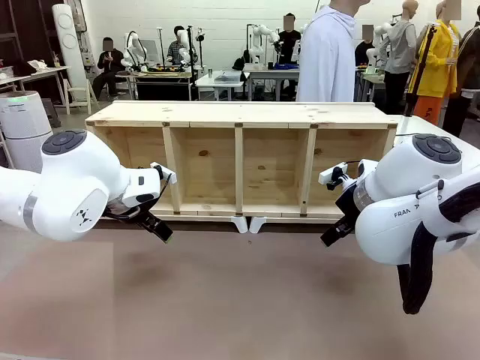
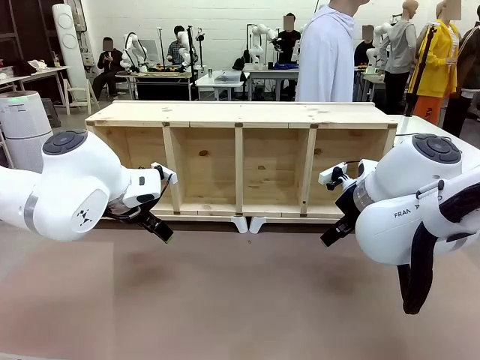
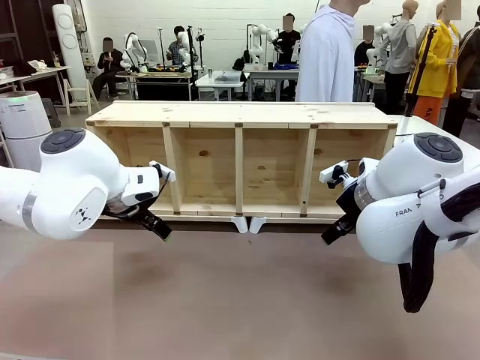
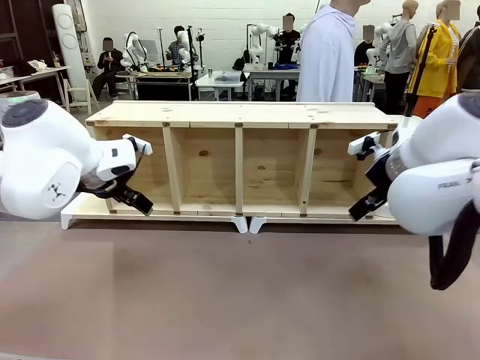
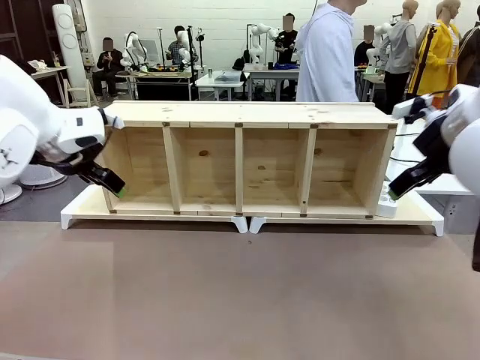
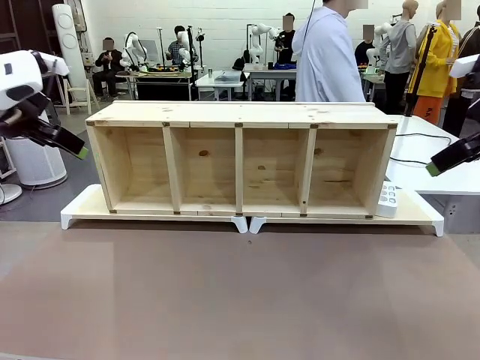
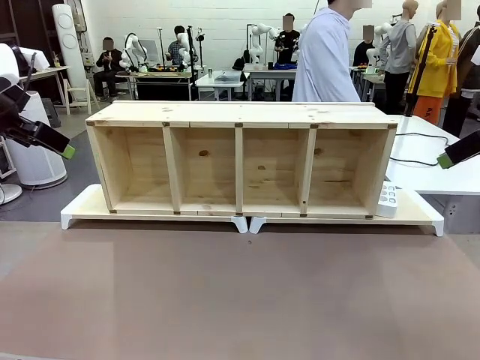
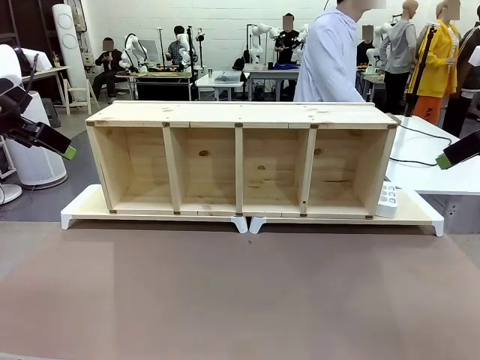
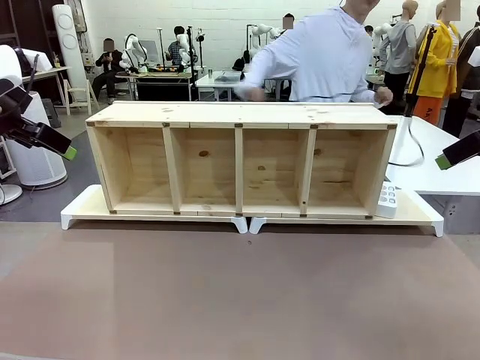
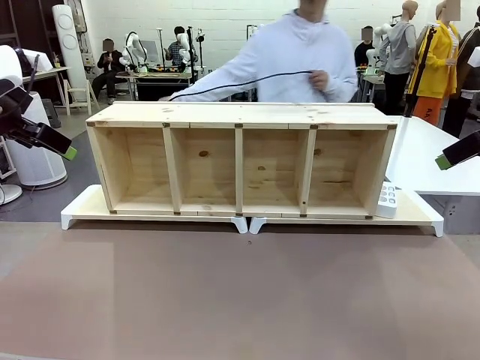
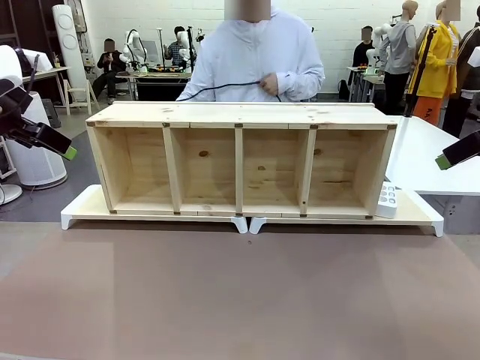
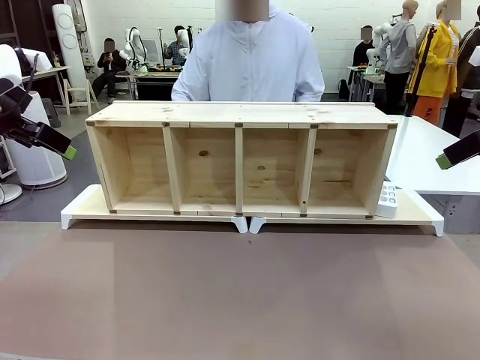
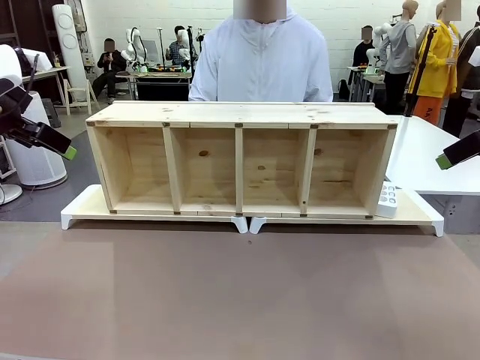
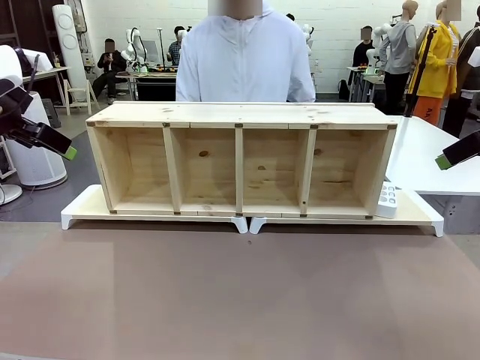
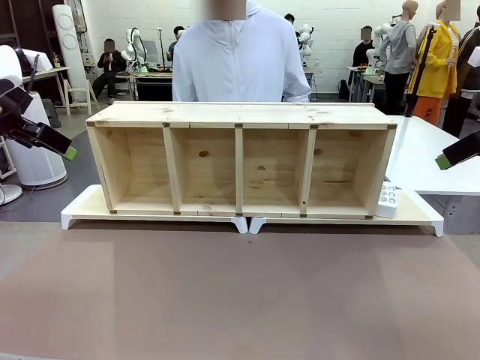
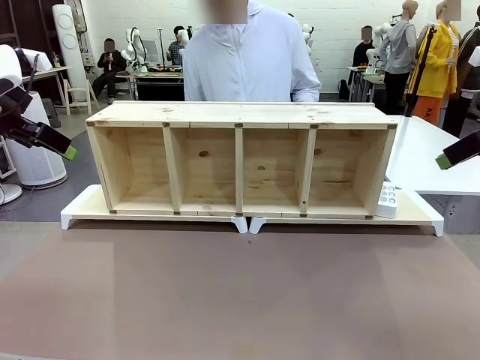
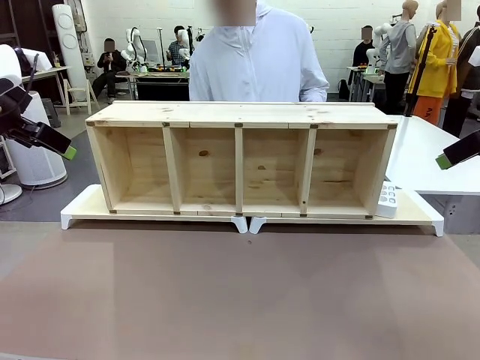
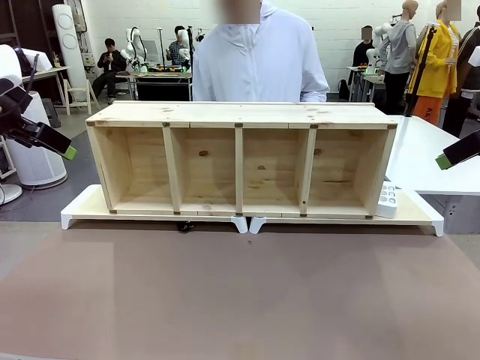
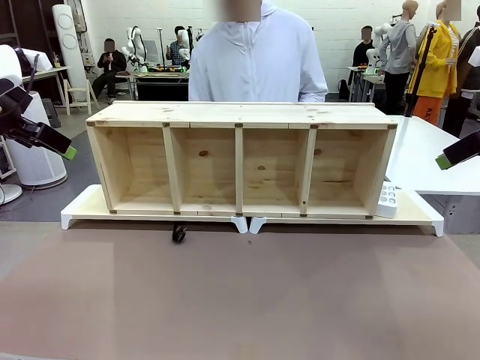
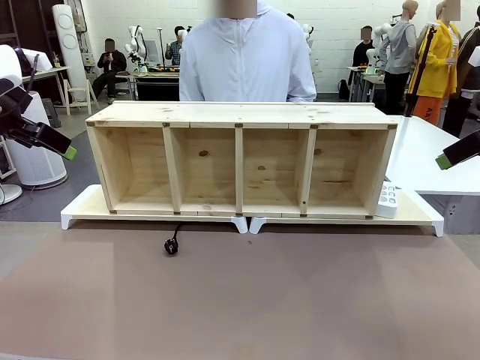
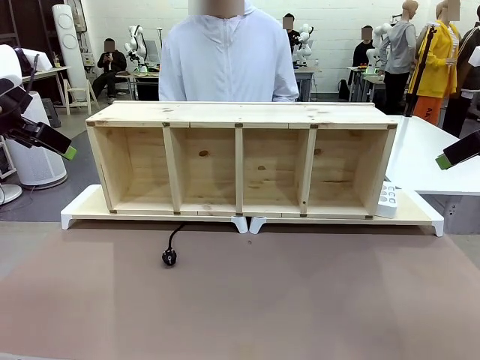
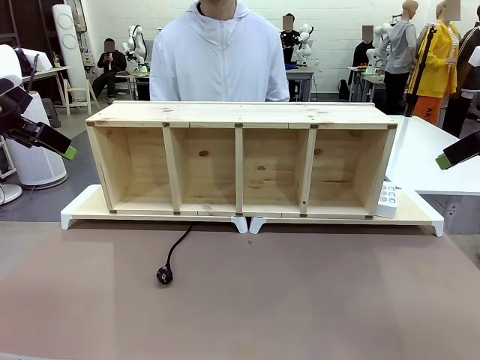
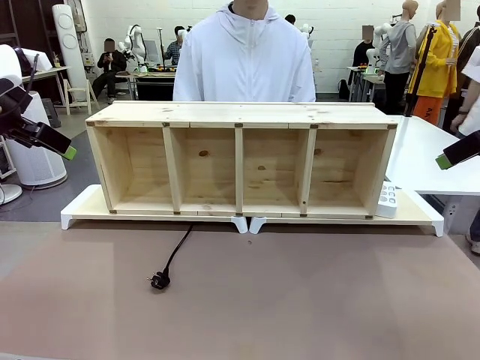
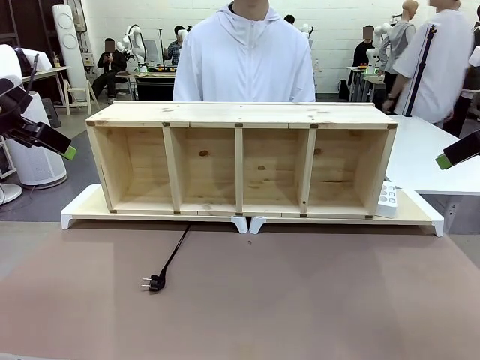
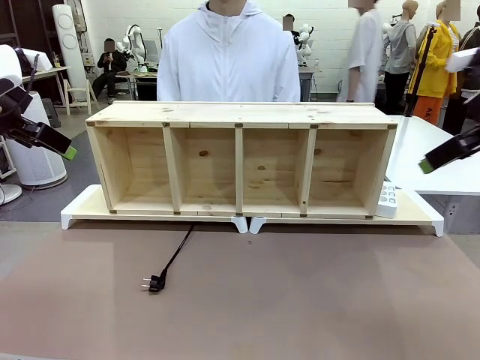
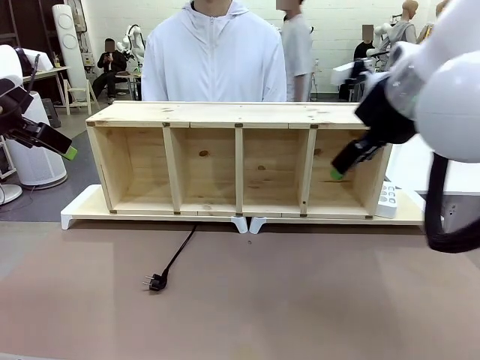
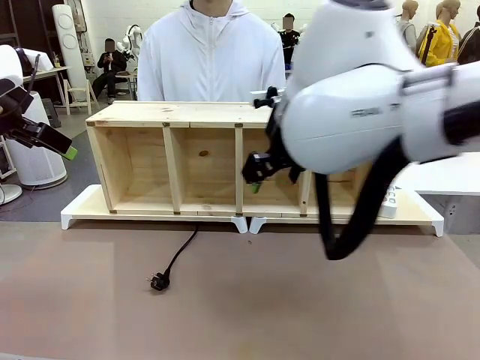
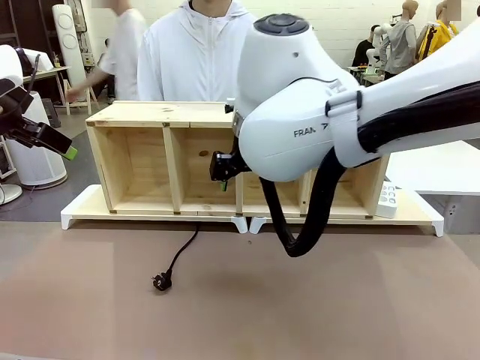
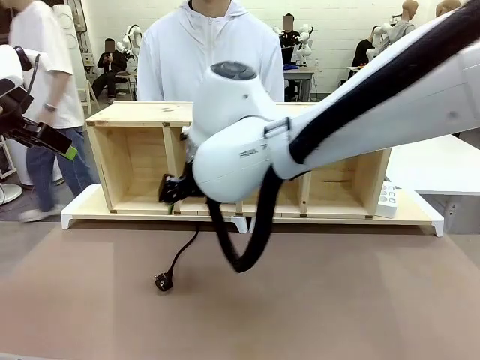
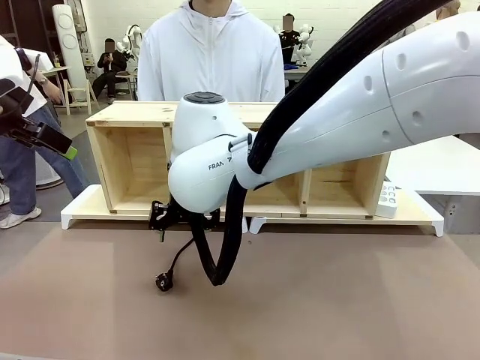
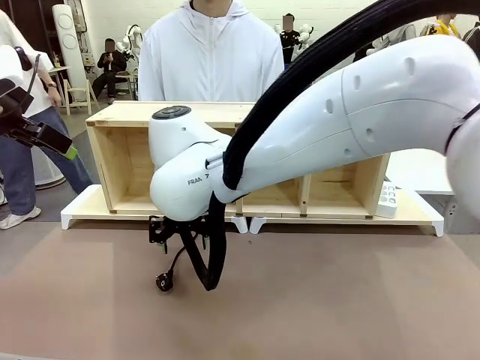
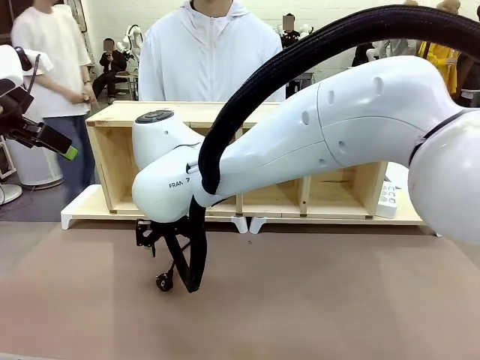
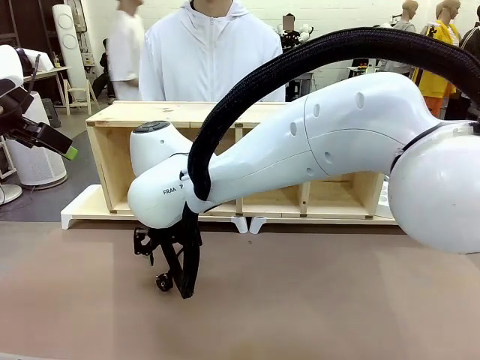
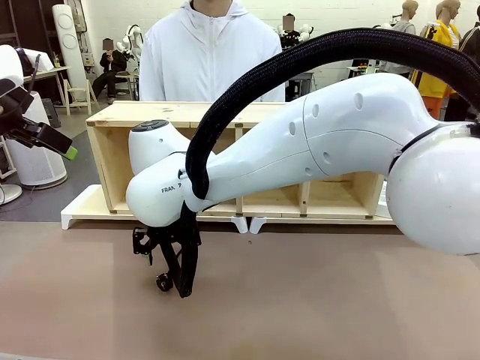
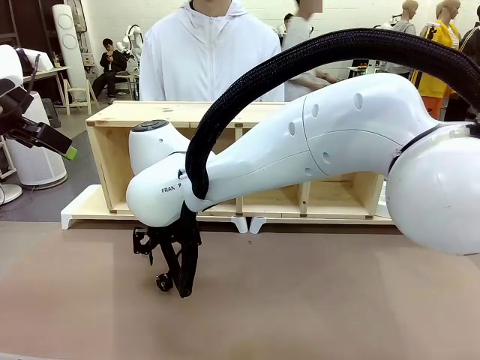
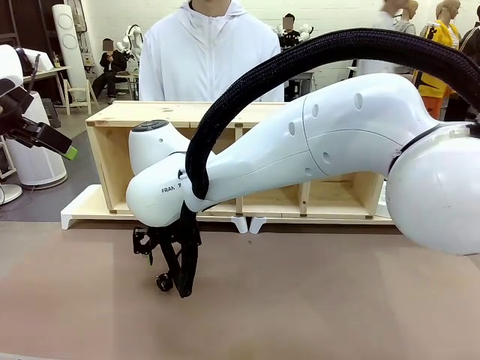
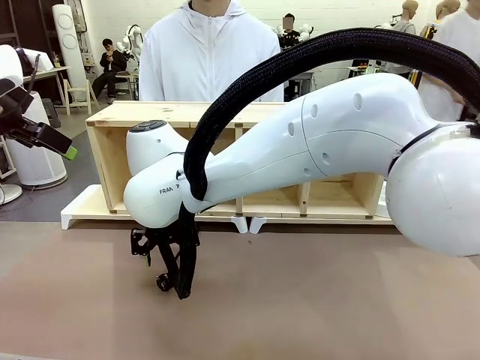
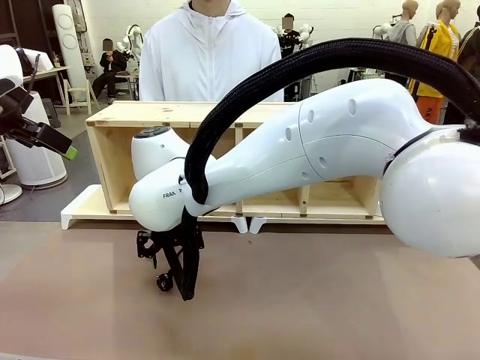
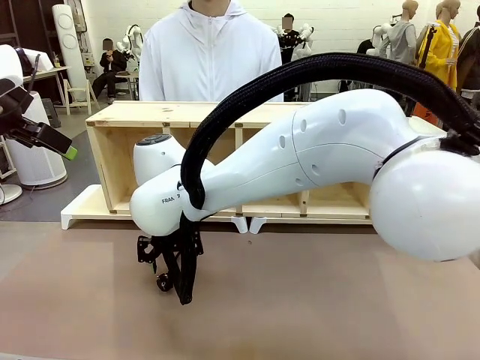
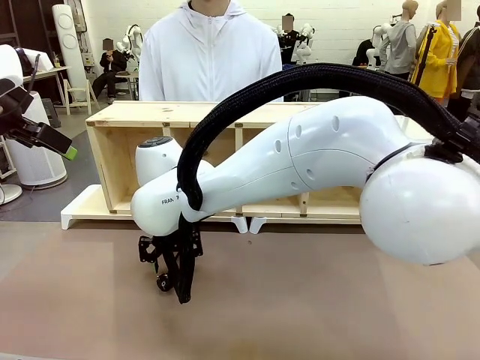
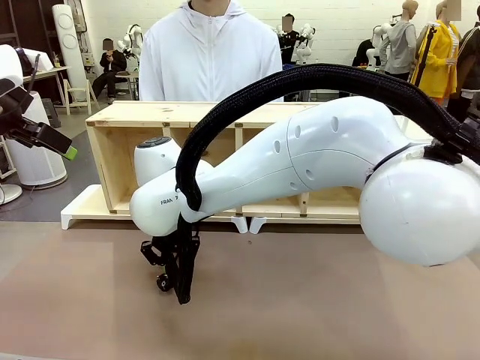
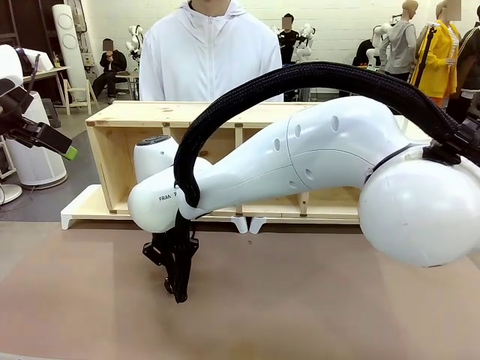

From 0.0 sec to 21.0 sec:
Task: Perform cable management.
Robot: When the cord part of the Power Cable appears at the lower middle area of the table and stops, grasp the cord part of the Power Cable.
Person: Pass the Power Cable under the Serving Table.

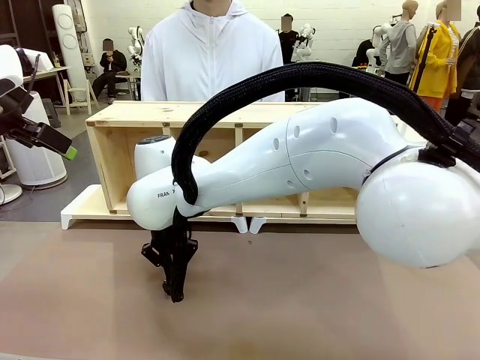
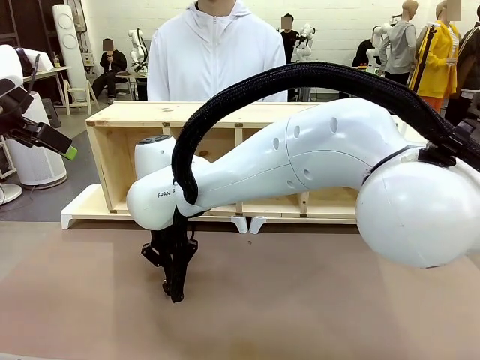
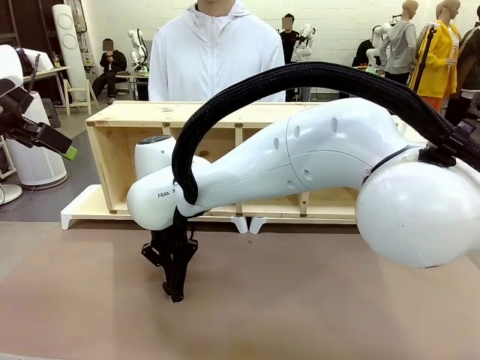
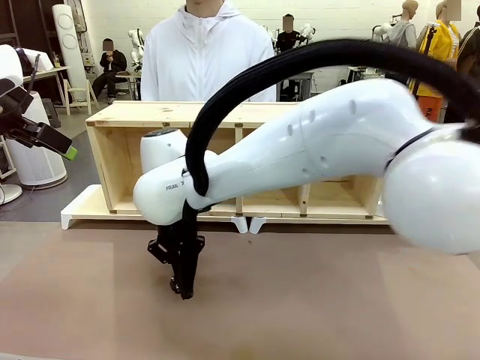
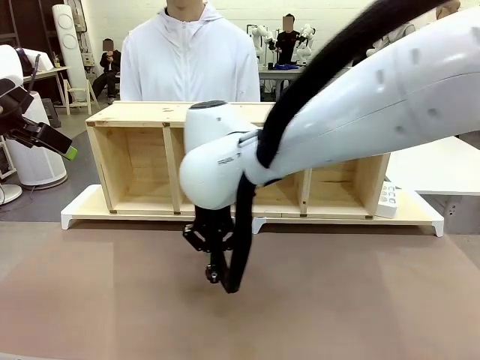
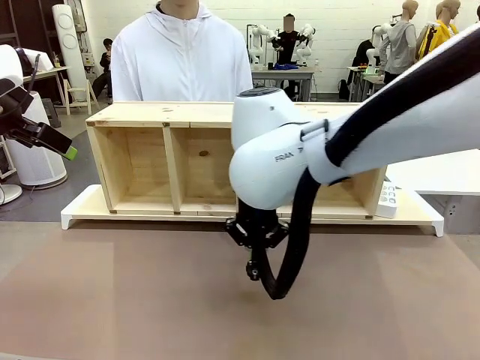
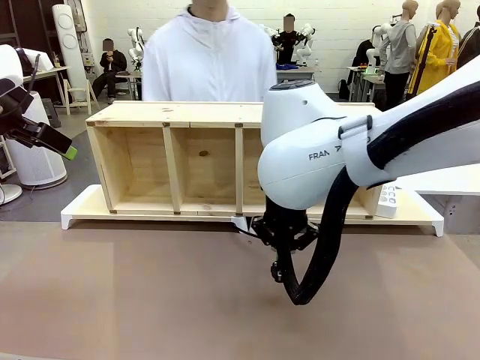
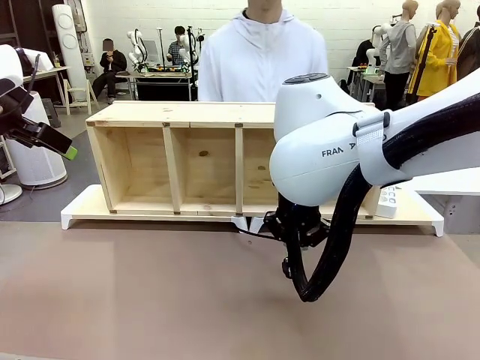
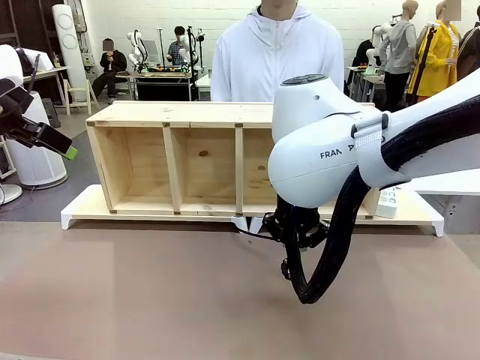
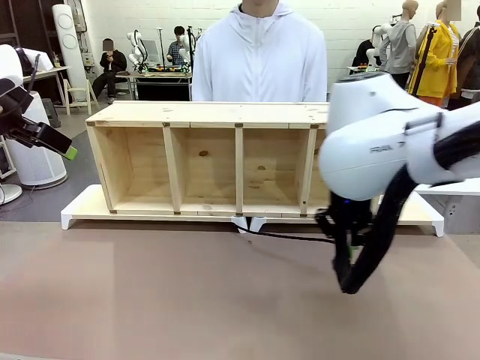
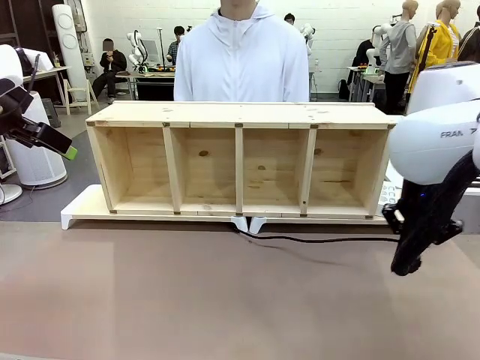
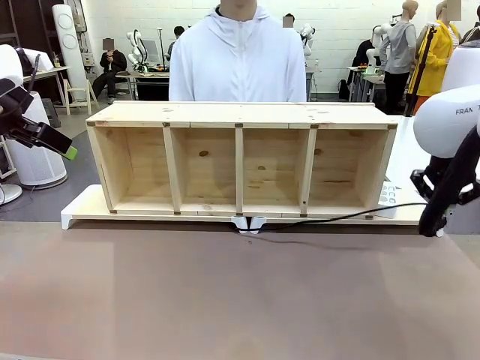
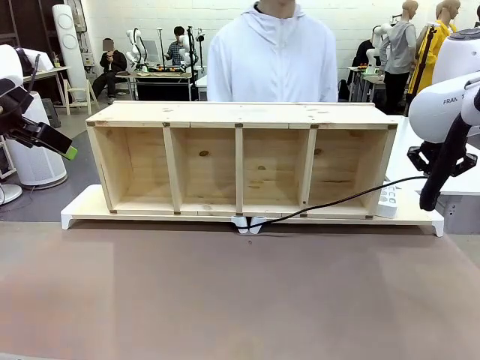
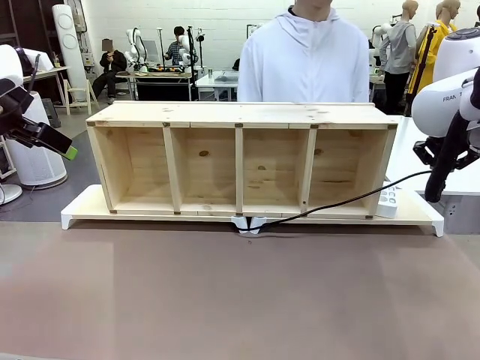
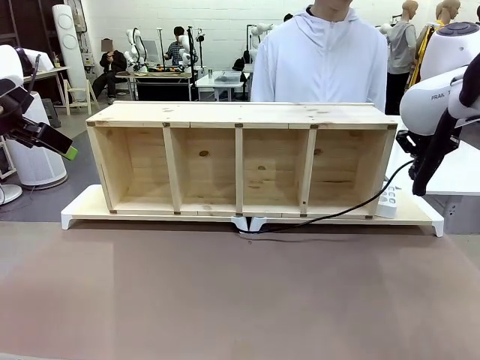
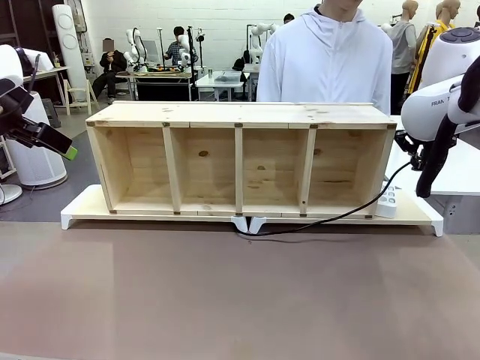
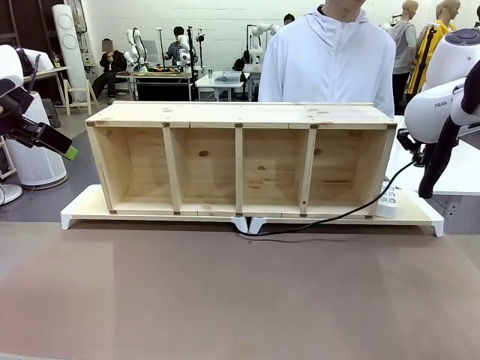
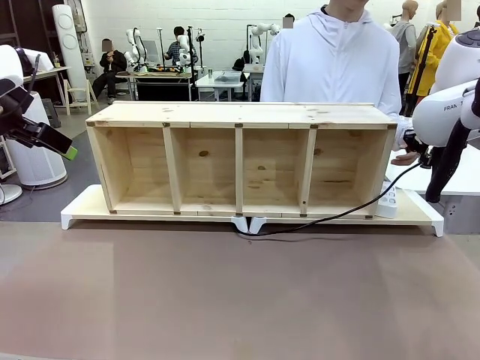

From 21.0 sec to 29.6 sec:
Robot: Pull the grasped Power Cable to the location of the Power Strip.
